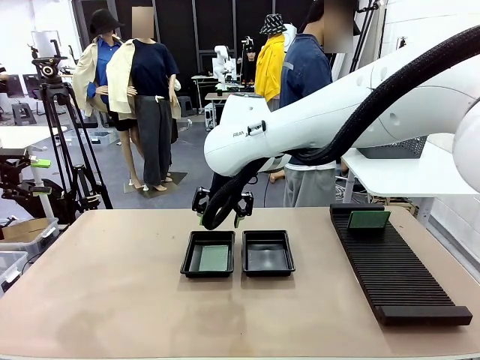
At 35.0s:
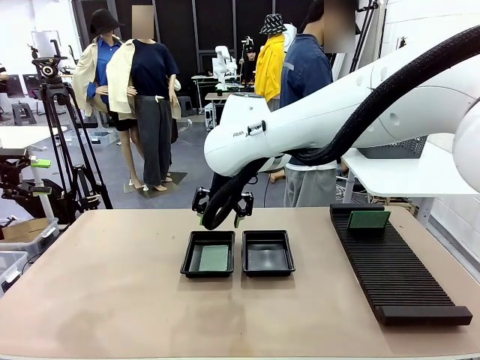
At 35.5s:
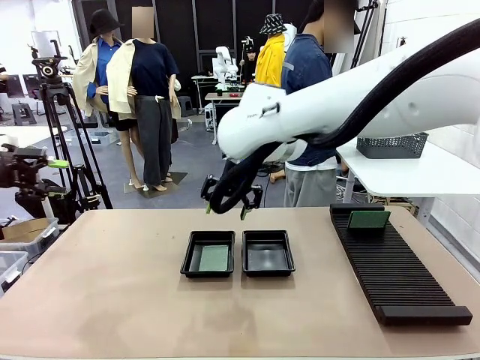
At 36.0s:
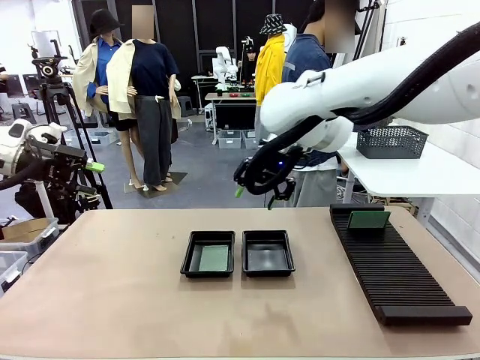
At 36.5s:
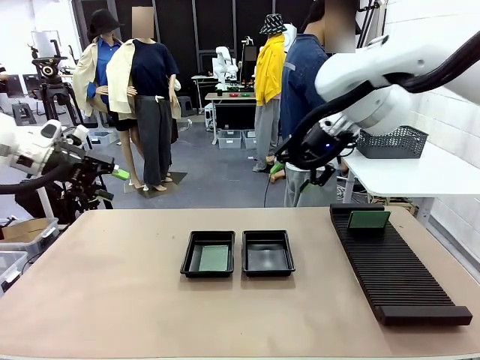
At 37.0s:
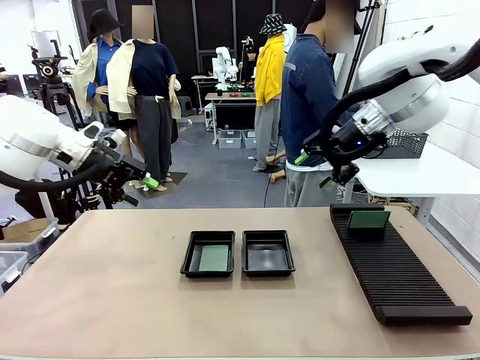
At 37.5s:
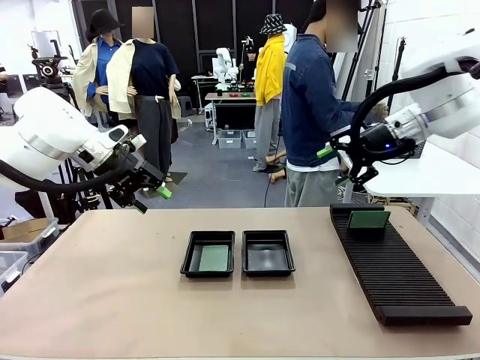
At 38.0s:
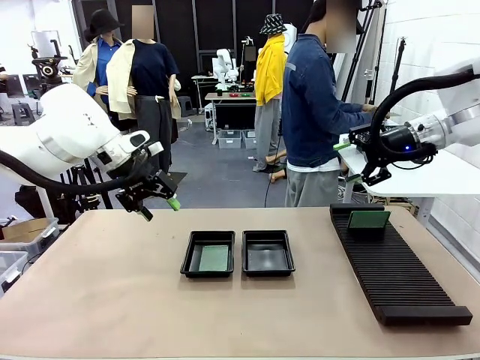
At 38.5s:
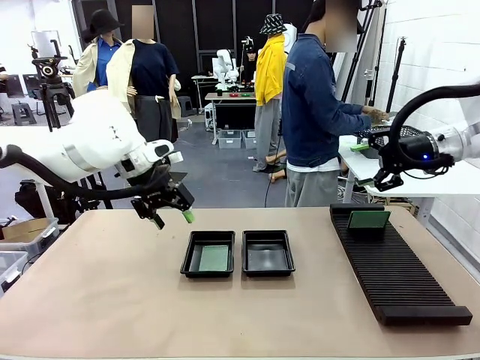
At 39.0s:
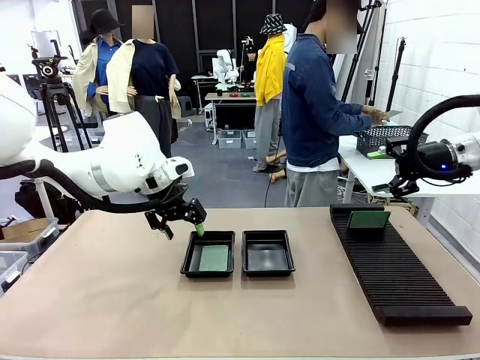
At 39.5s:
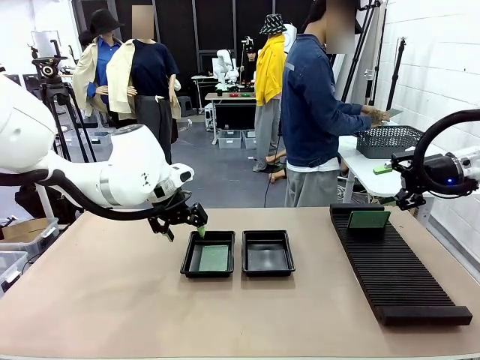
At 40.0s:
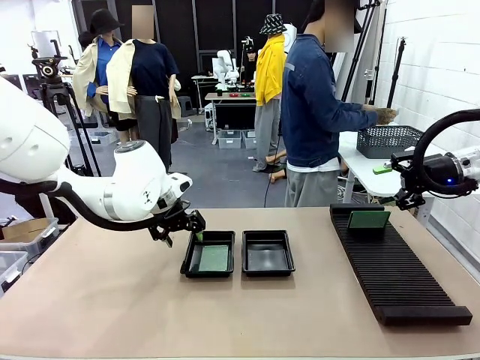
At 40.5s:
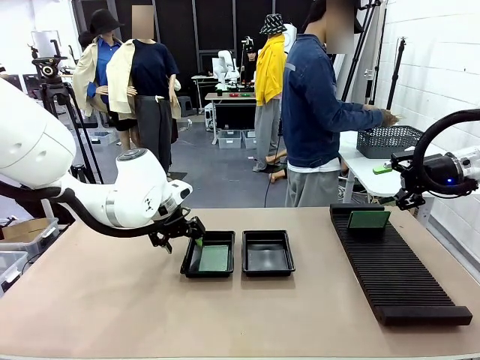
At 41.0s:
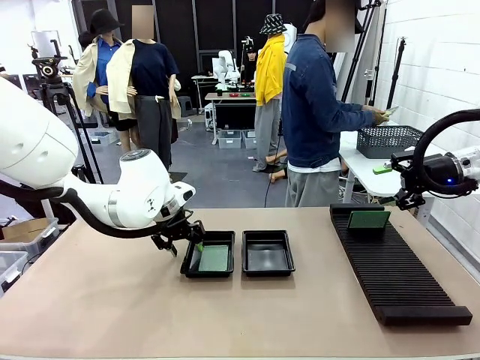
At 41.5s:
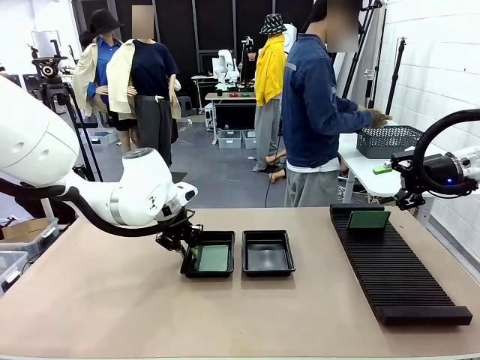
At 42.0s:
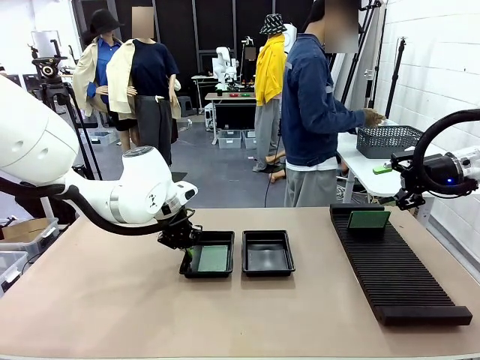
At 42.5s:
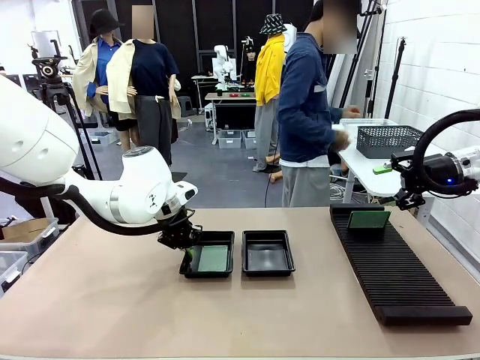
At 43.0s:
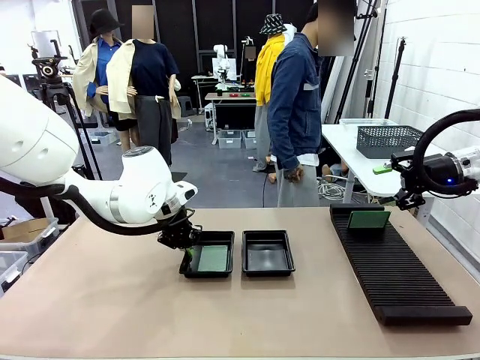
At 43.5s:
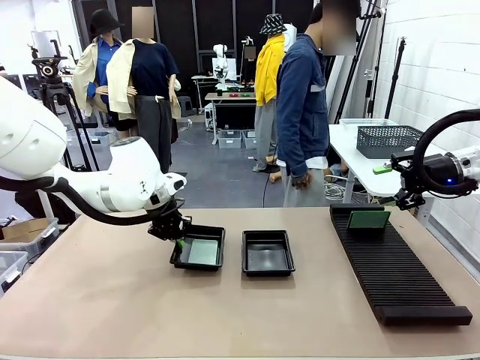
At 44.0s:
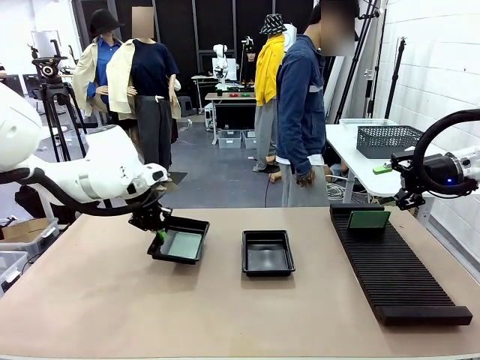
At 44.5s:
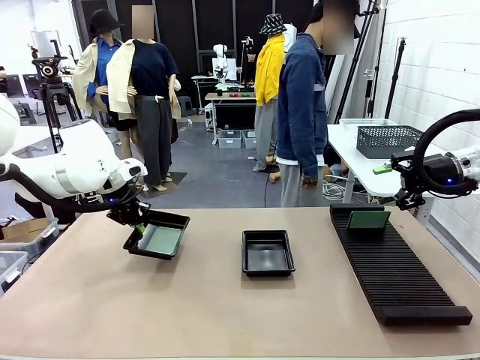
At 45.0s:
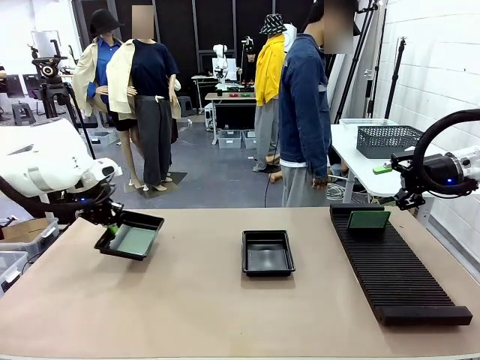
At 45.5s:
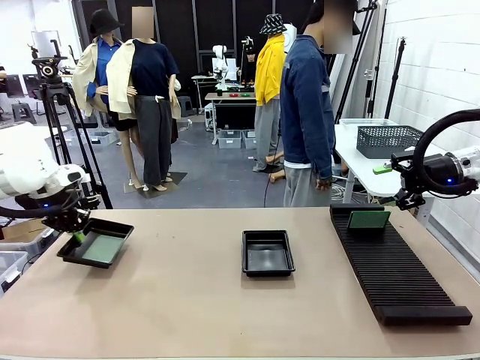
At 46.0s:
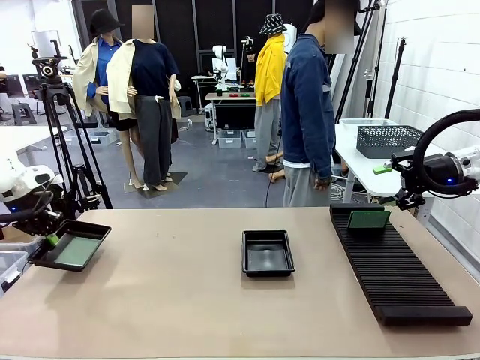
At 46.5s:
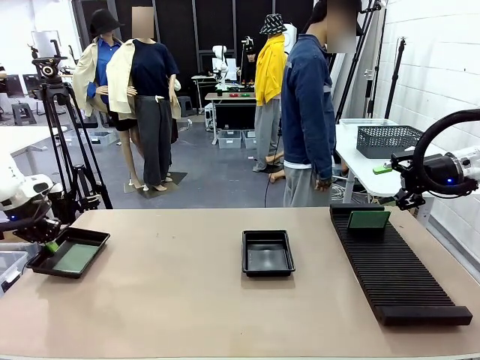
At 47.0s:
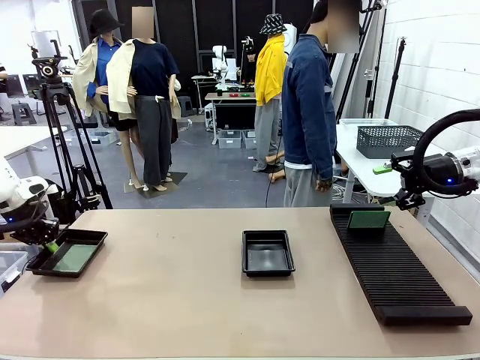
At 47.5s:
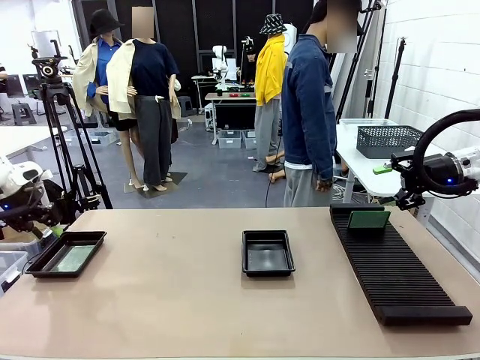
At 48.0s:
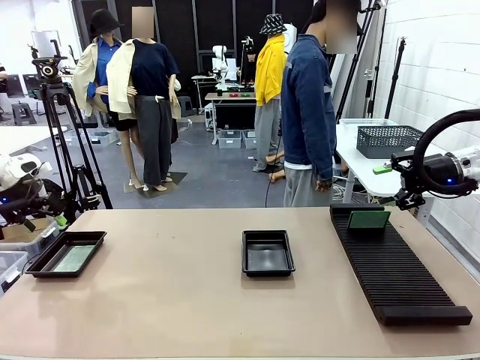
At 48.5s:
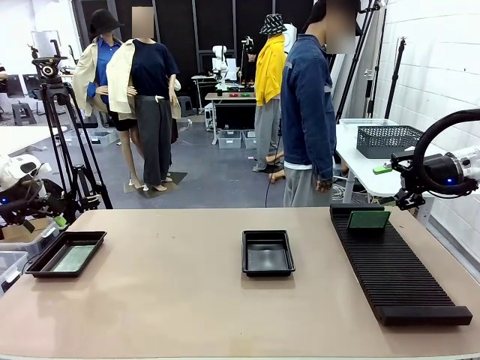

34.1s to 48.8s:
Task: Inspect and transfer BCBs to ESD trays.
Robot: Pick up the ESD tray and place it on the left side of the table.

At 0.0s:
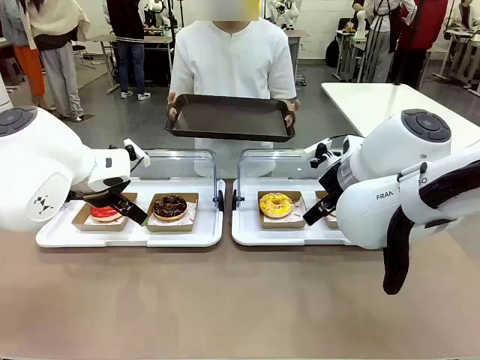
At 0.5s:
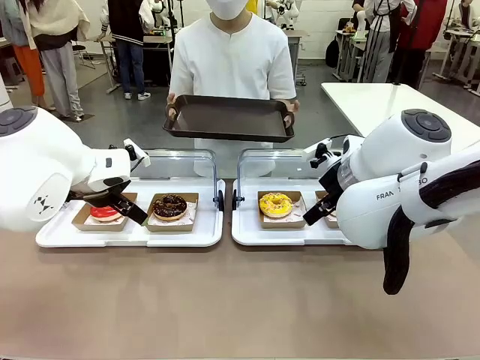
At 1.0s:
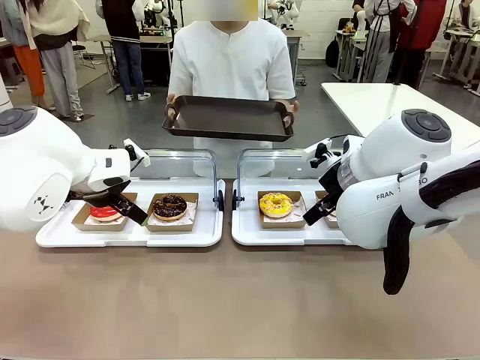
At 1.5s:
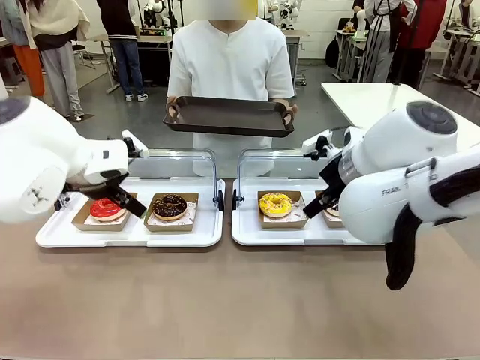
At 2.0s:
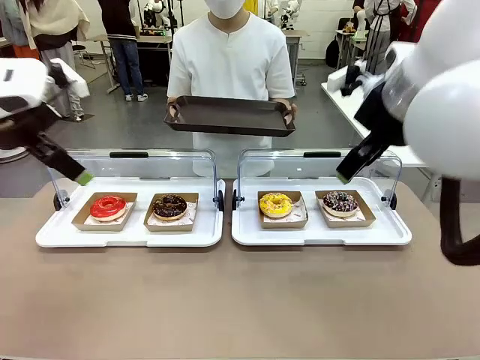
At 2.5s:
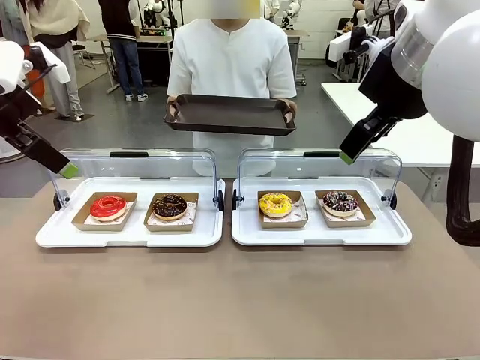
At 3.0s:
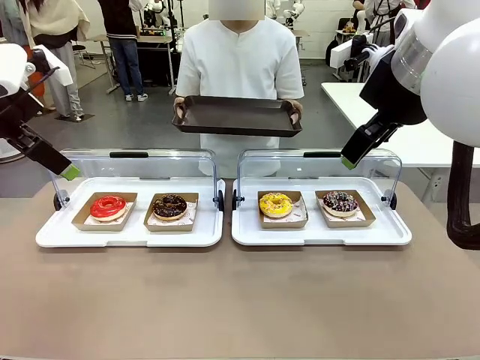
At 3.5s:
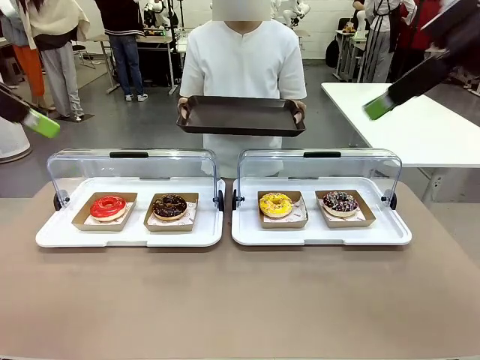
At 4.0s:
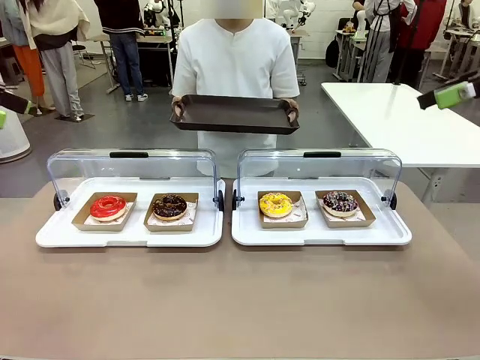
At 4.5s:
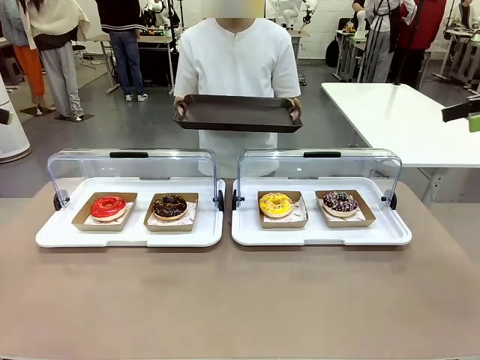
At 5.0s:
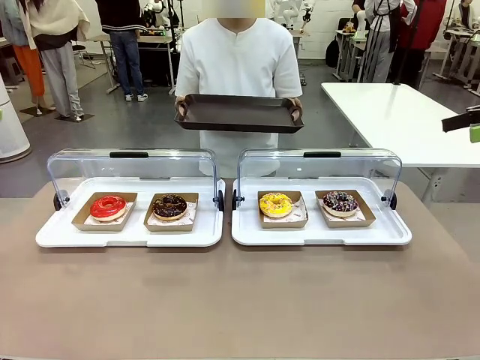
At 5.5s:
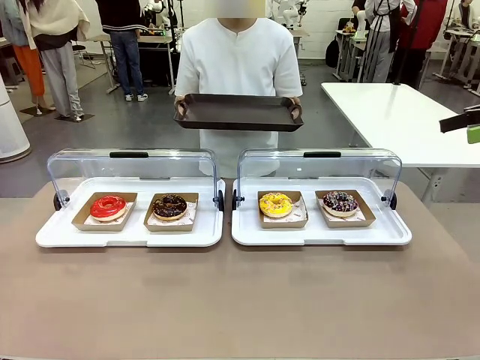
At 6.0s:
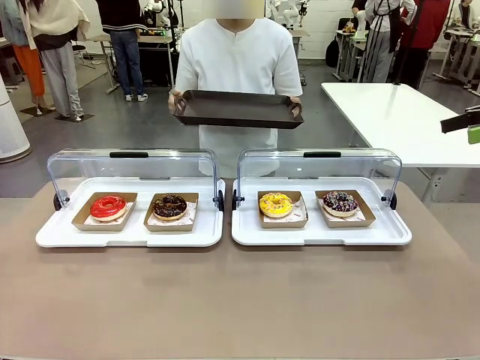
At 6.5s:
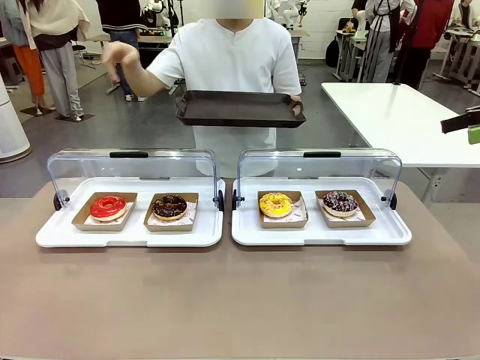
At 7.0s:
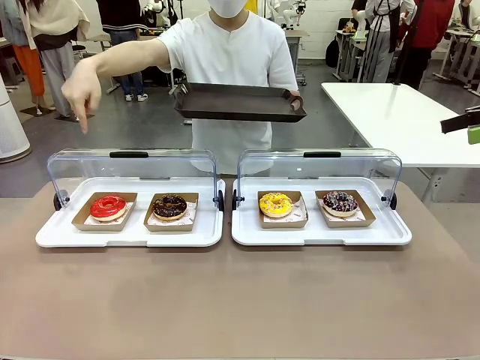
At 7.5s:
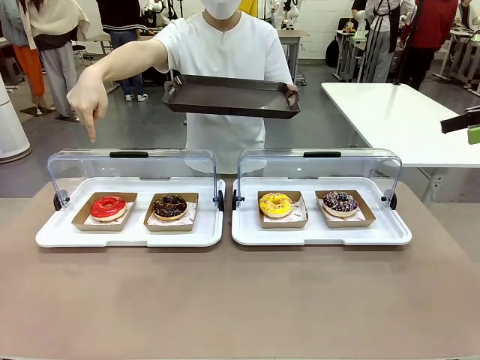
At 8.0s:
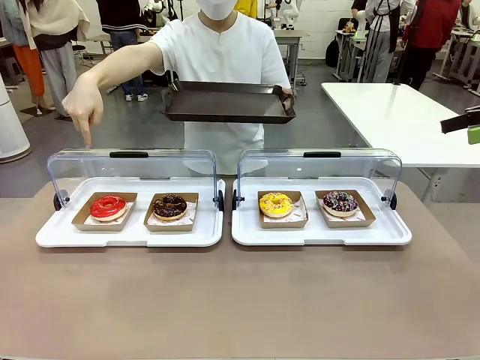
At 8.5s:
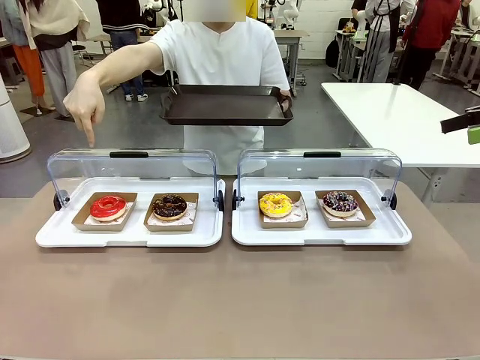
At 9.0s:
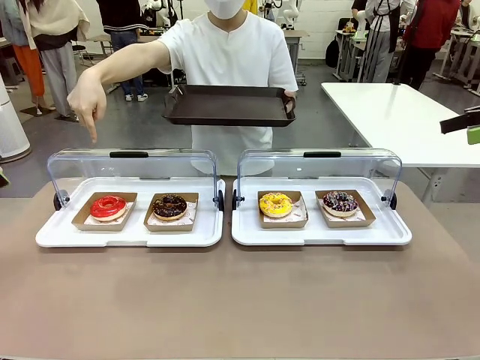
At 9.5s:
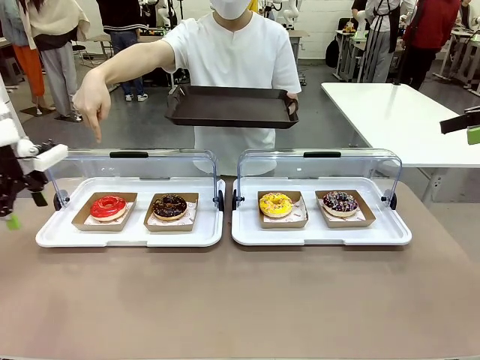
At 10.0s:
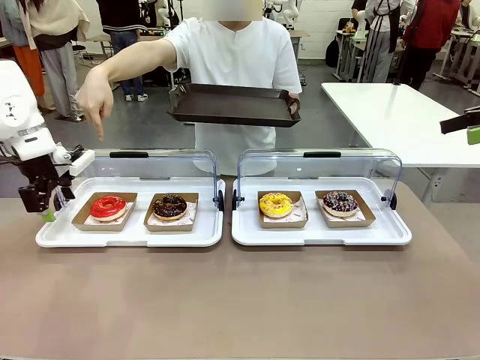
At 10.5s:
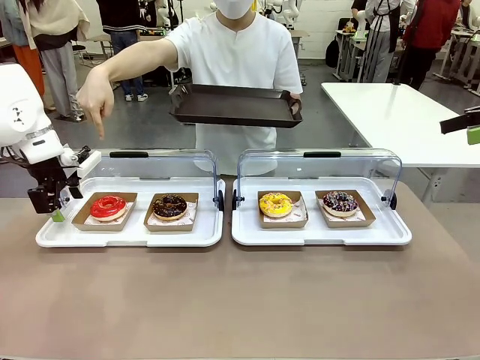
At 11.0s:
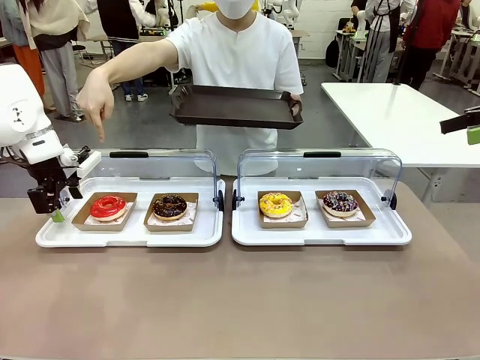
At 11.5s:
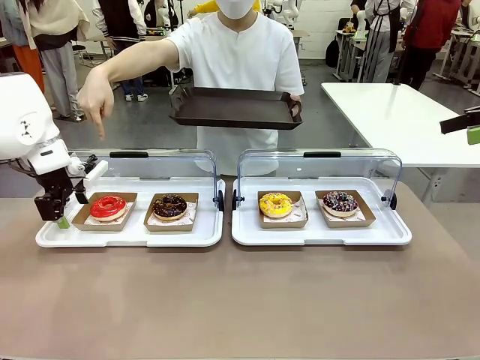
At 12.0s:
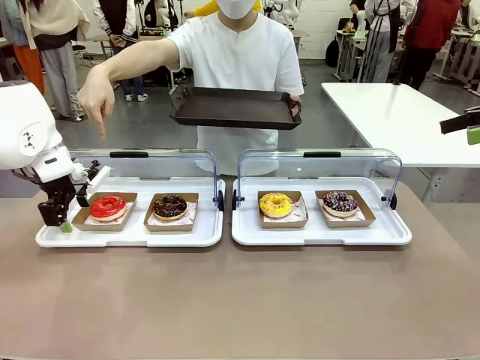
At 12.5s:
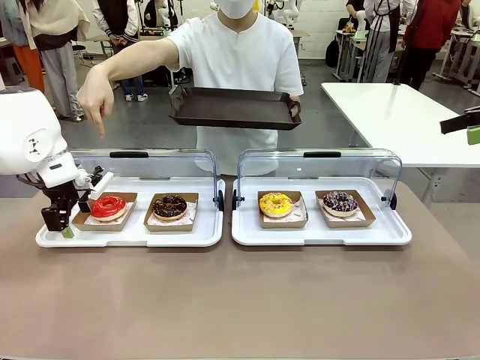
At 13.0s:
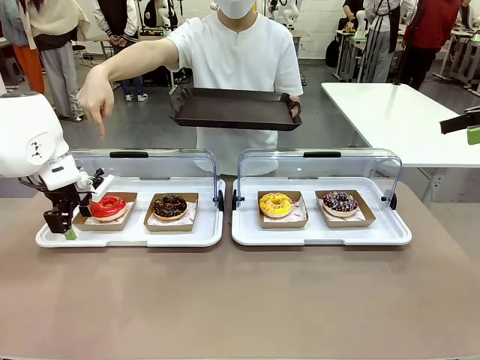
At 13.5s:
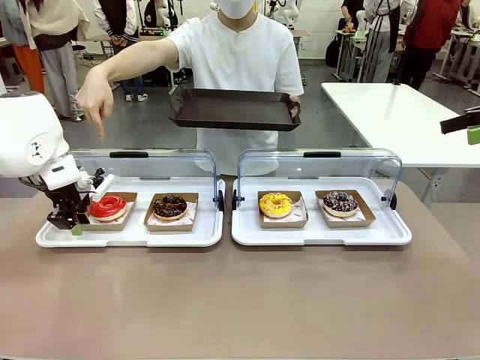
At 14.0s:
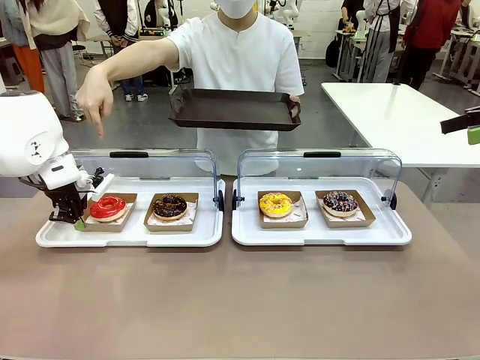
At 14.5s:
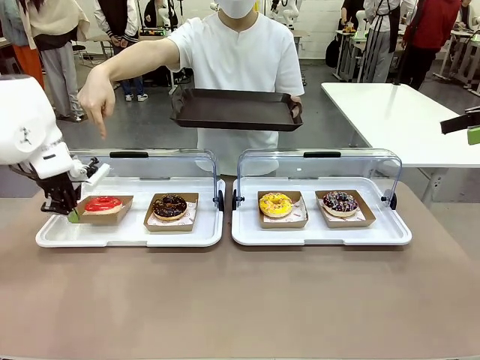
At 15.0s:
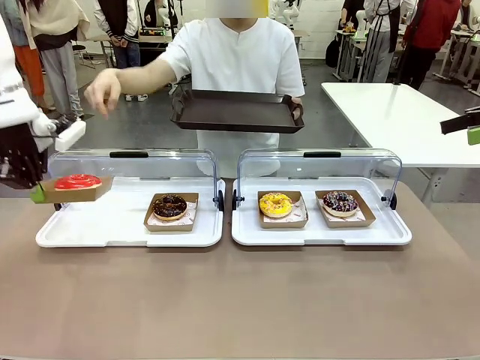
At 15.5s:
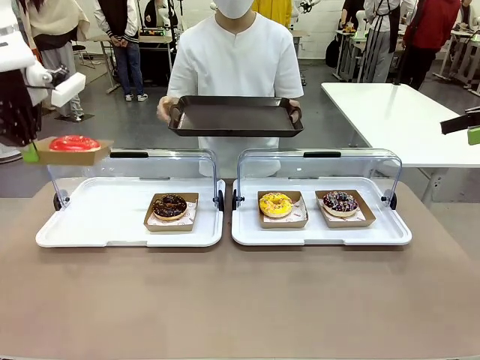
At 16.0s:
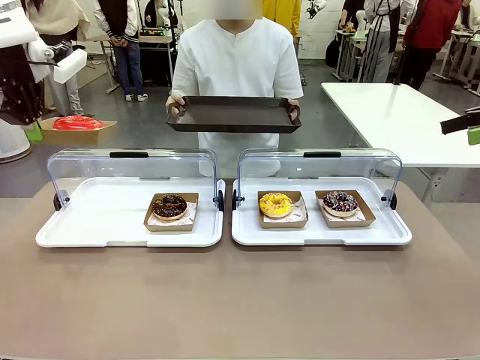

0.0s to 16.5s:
Task: Provide the desired donut to the person.
Robot: Pick up and lift the Paper togo box containing the Donut pointed at by the person.
Person: Point to one donut. Lift the tray onto the Roll-Top Bakery Case.
